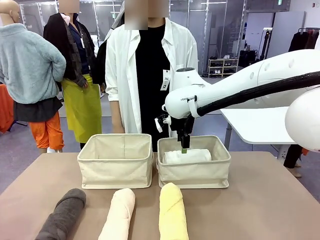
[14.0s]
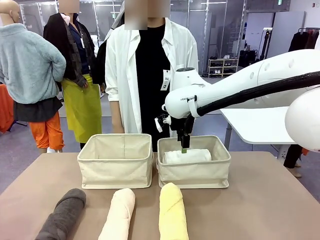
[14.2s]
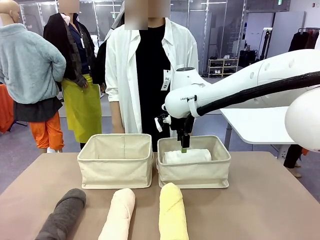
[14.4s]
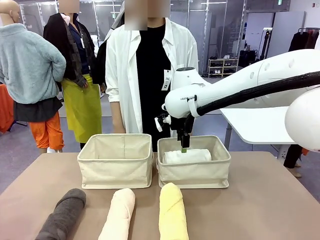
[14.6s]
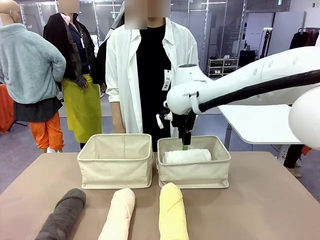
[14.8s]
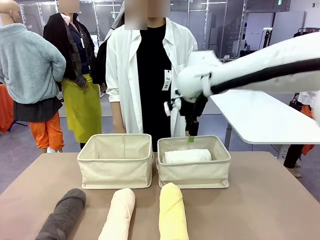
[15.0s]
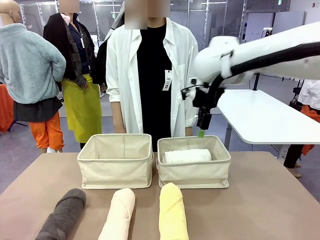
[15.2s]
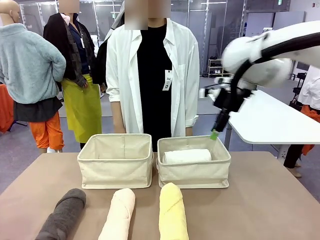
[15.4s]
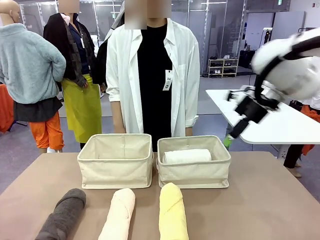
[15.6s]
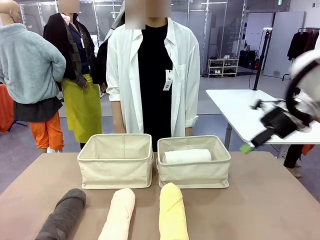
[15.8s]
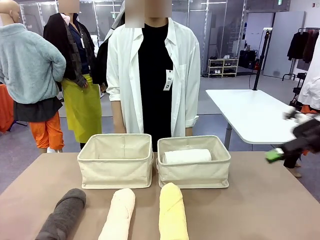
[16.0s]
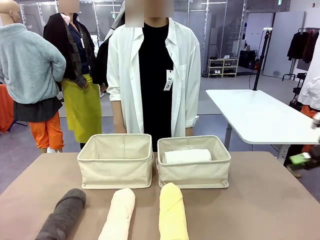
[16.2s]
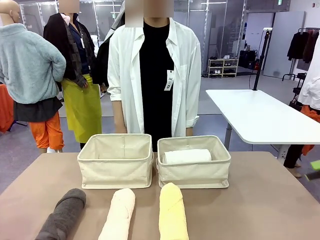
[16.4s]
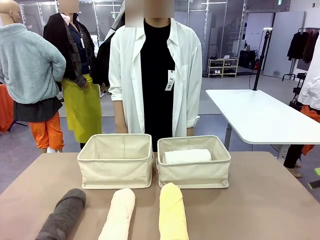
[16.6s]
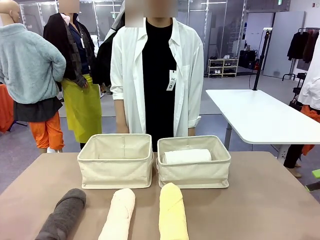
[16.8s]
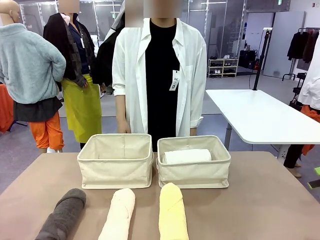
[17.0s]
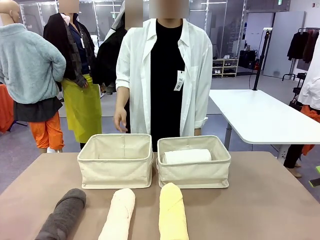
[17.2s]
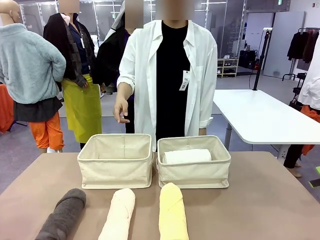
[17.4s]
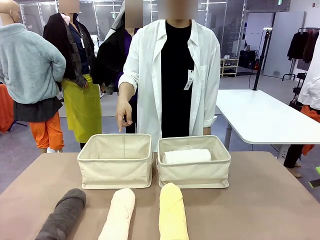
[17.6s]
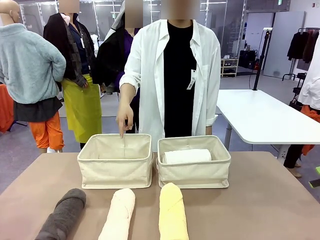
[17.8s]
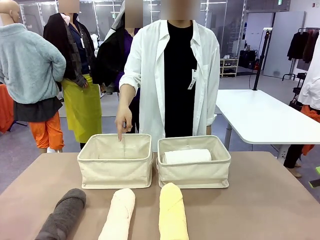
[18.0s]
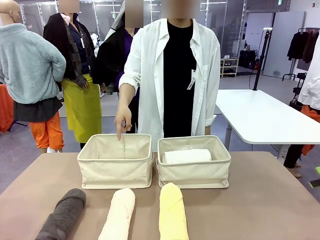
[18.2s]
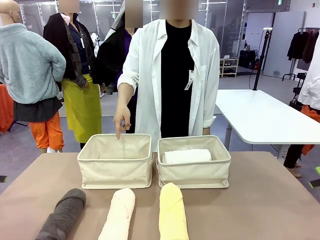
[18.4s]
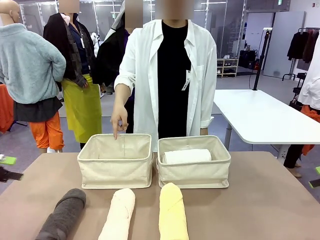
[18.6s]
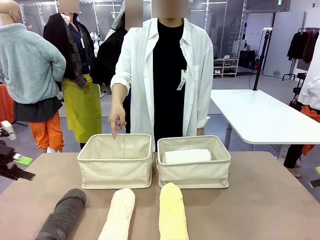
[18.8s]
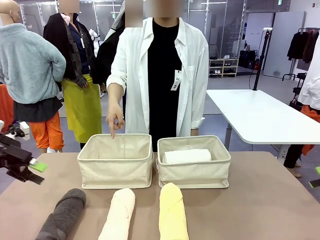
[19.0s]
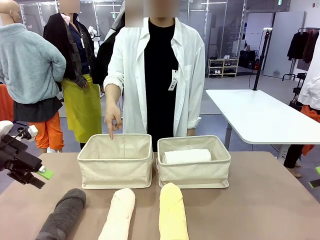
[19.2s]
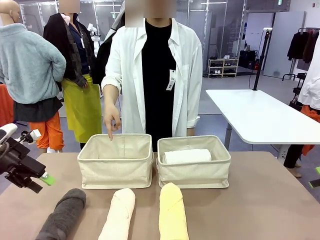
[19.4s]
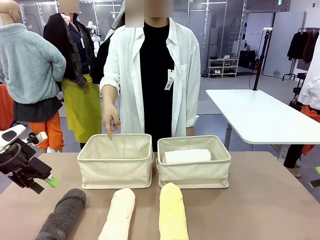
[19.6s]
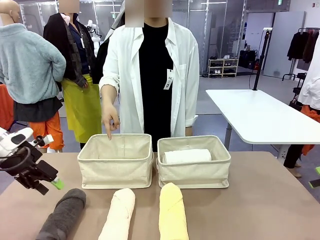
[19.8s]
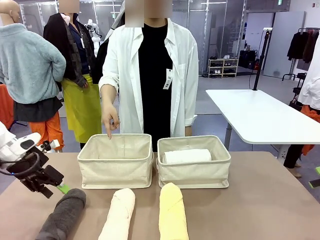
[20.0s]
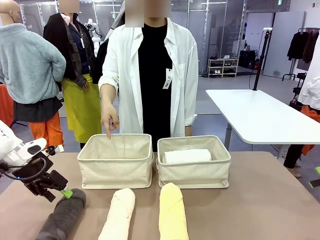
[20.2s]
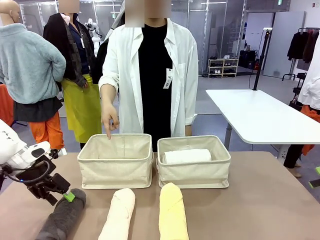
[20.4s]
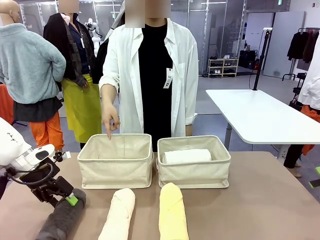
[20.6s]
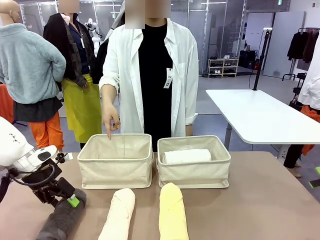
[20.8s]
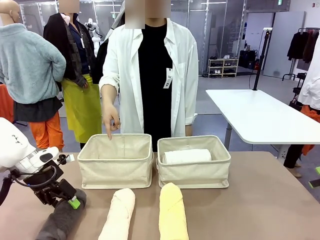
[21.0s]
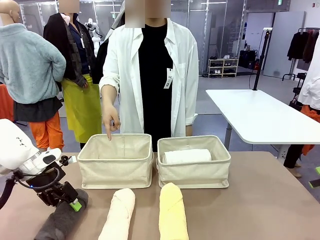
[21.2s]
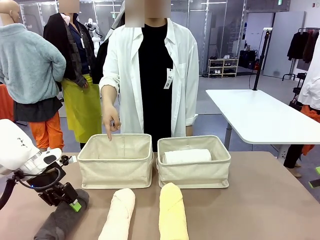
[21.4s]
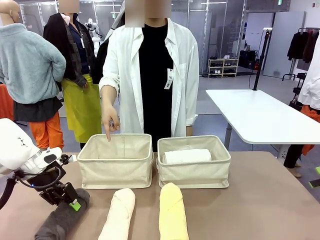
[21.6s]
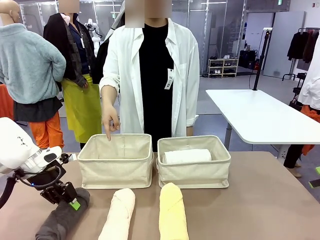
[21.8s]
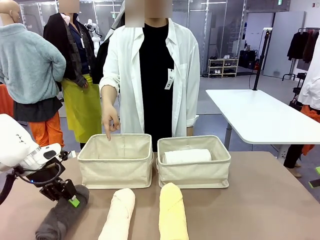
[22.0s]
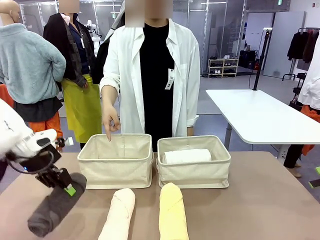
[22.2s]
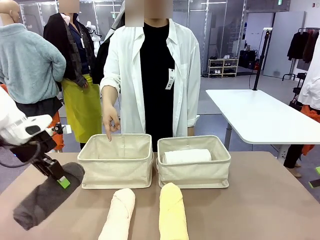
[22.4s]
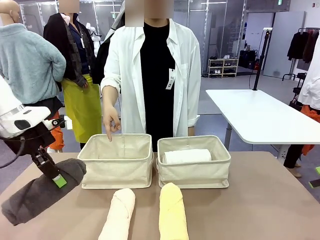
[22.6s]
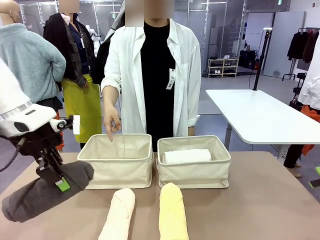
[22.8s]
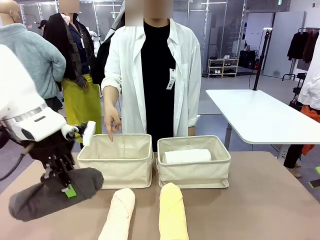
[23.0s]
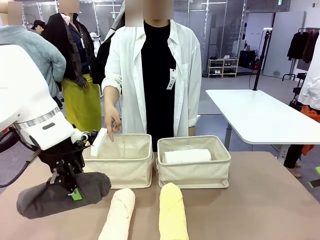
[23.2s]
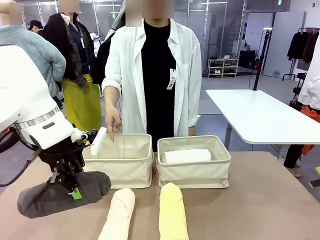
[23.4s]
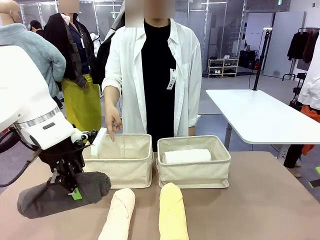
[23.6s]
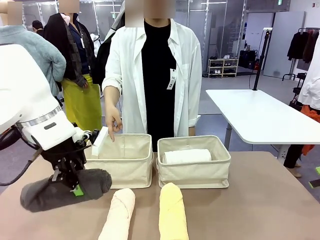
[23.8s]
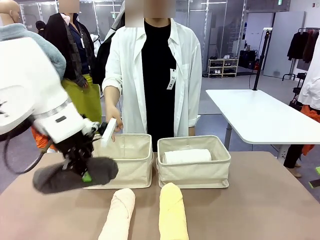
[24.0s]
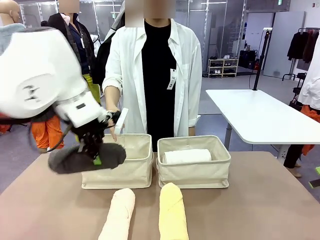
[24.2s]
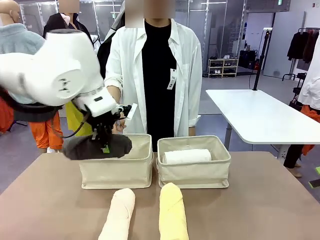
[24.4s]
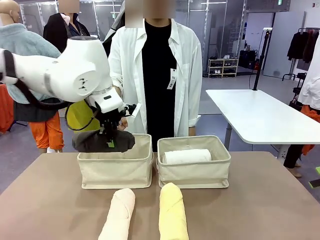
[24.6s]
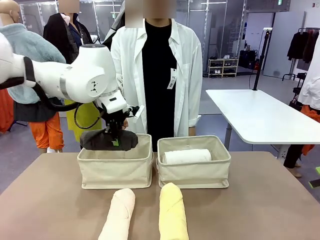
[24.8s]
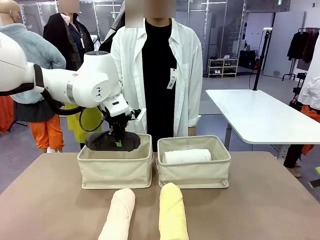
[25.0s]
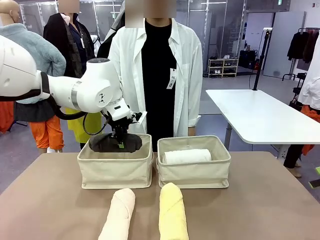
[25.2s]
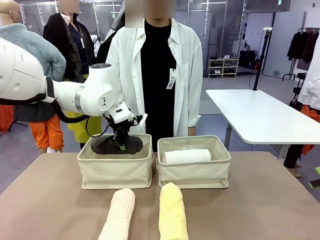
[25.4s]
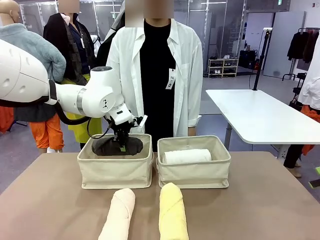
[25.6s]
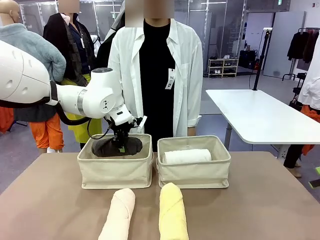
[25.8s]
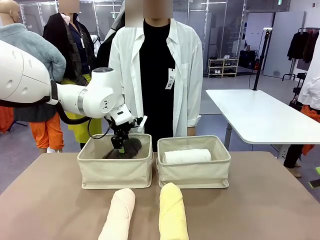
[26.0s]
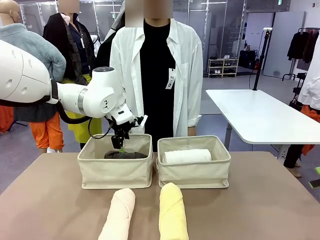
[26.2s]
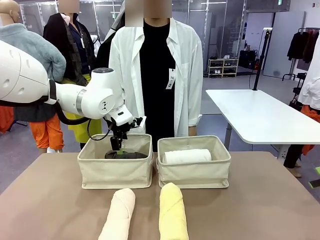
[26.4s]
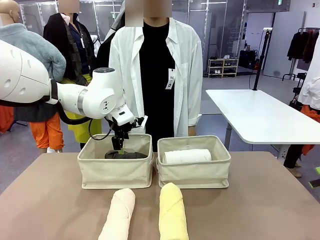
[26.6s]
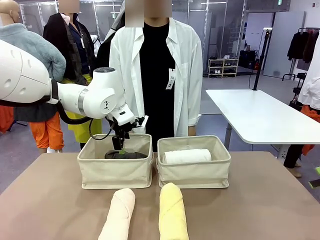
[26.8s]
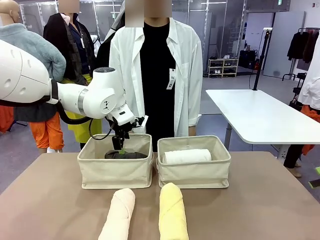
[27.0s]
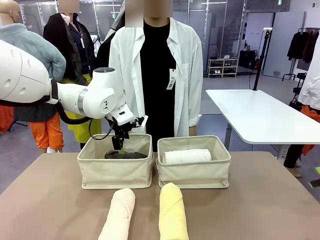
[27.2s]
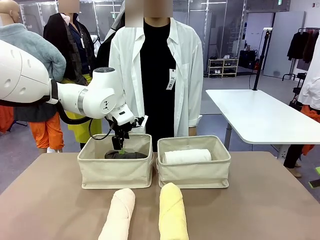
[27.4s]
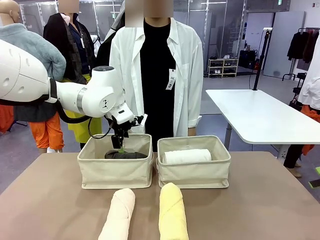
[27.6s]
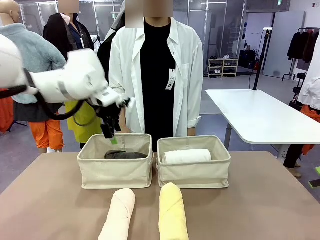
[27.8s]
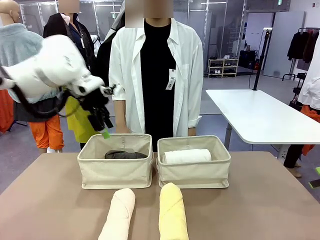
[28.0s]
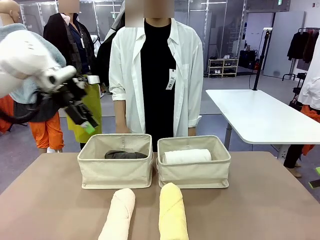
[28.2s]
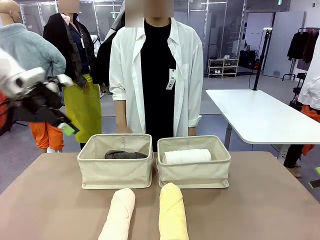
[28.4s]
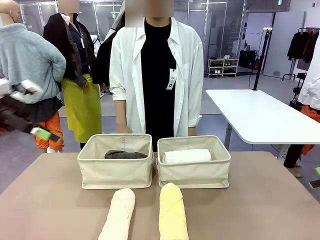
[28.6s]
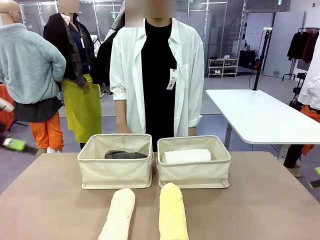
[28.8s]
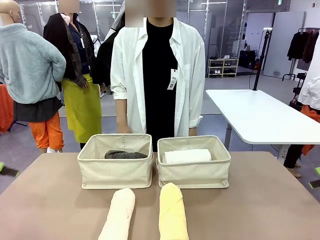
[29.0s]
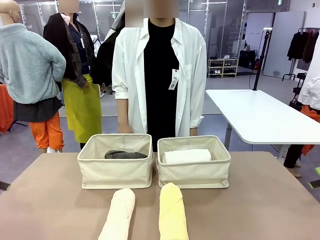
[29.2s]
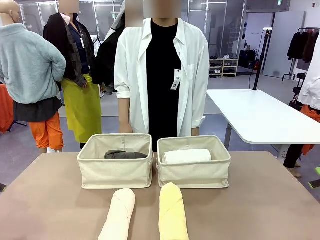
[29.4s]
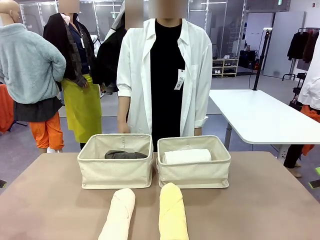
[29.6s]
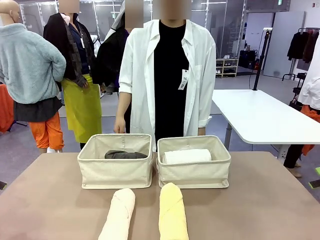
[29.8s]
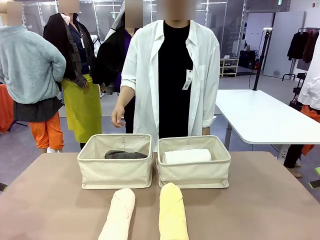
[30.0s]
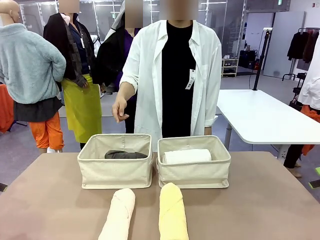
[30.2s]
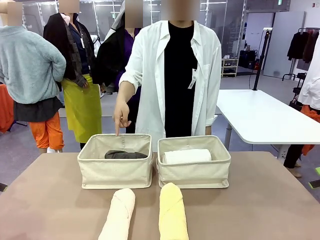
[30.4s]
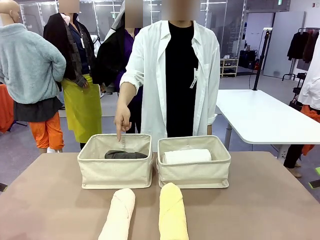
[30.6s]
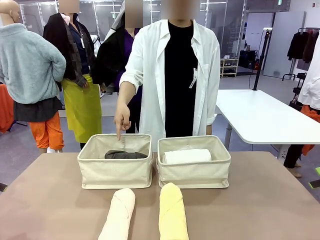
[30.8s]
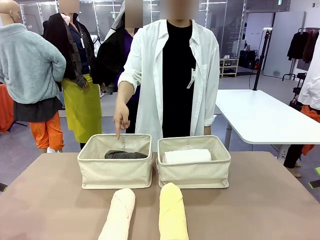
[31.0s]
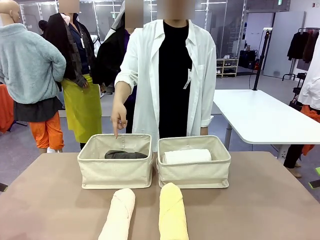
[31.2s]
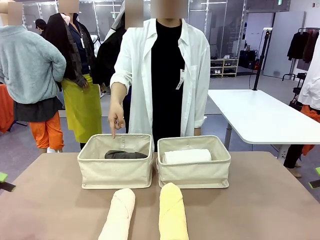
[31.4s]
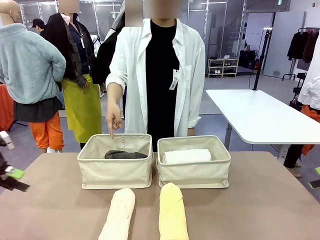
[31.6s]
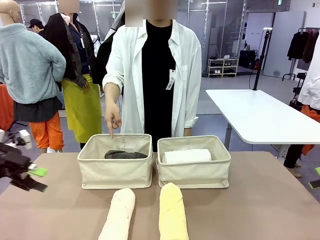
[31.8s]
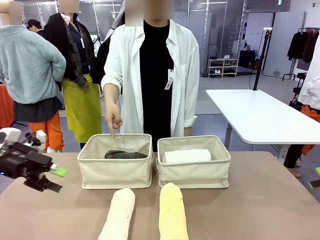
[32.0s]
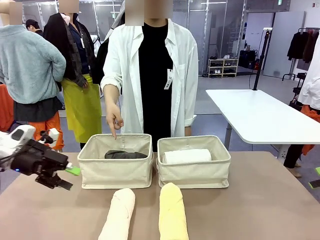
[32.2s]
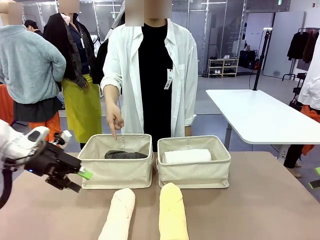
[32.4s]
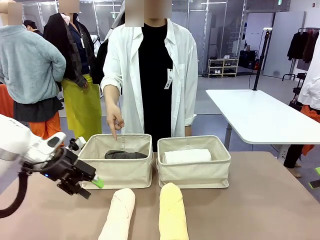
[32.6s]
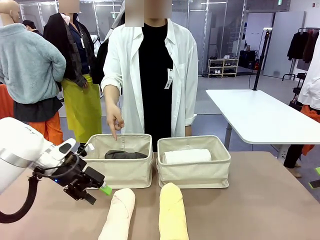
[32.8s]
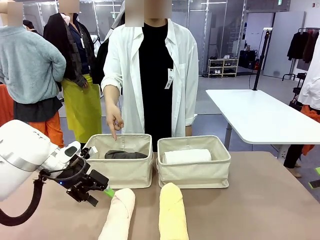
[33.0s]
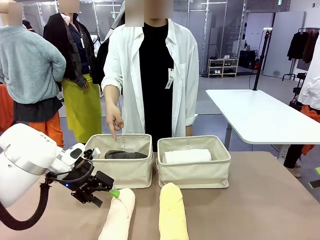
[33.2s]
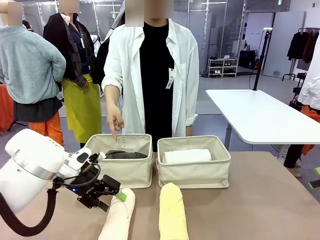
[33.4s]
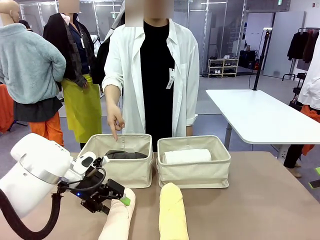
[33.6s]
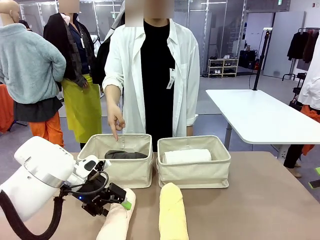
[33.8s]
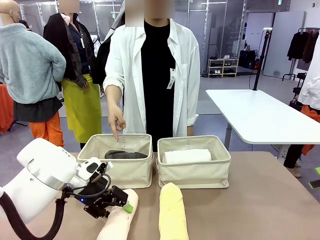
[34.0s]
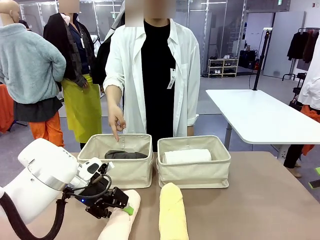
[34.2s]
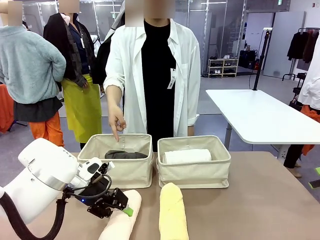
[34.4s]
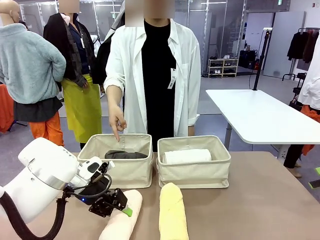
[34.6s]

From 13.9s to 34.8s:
Task: Divide the towels into two baskets.
Robot: Pick up one hotel-folded towel from the bottom of the table and place it in the Fabric basket indicated by the person.
